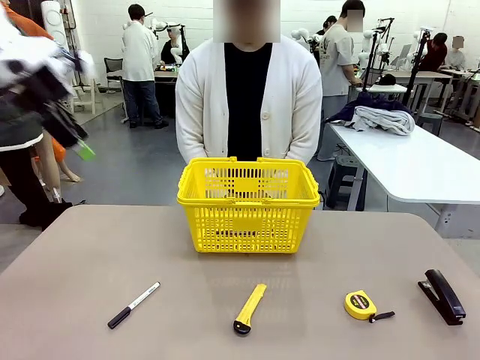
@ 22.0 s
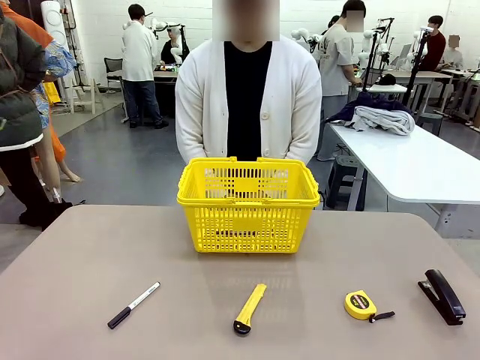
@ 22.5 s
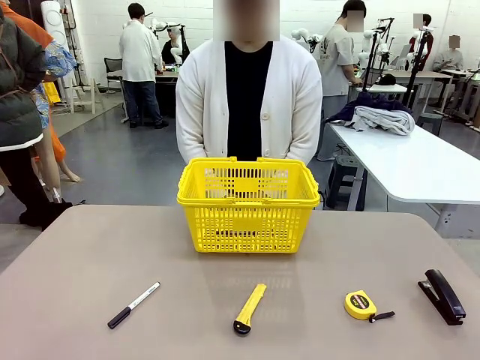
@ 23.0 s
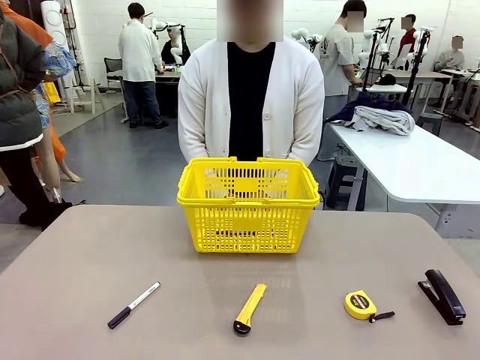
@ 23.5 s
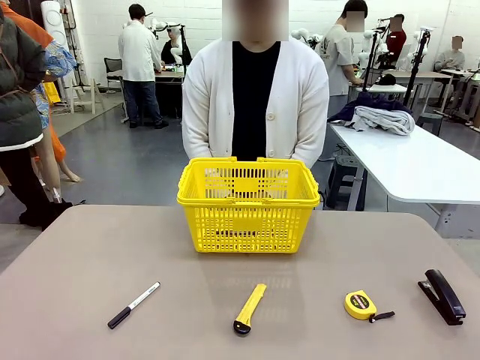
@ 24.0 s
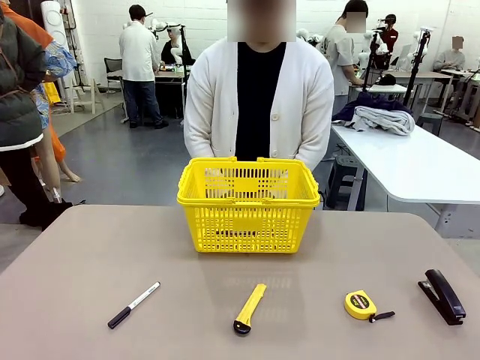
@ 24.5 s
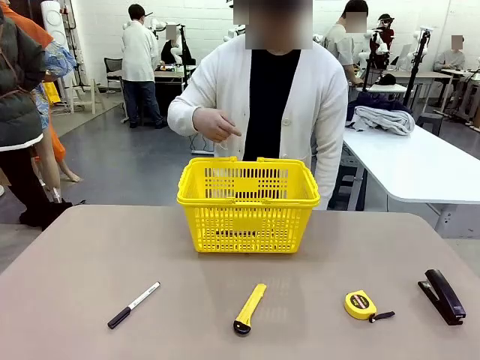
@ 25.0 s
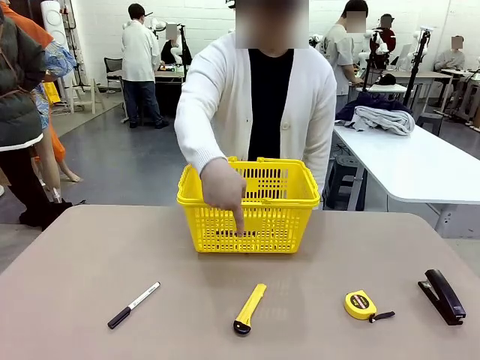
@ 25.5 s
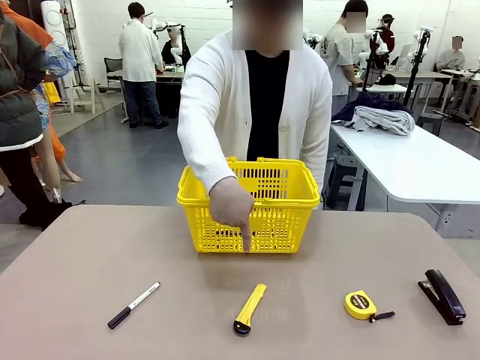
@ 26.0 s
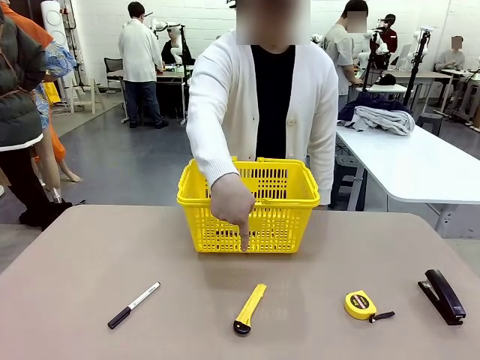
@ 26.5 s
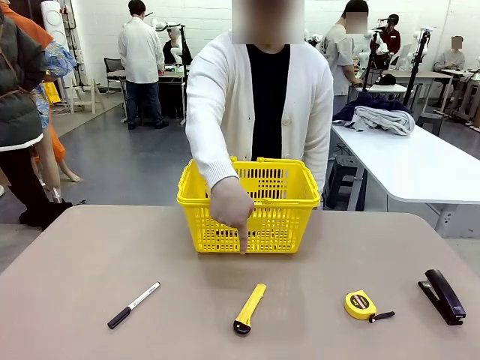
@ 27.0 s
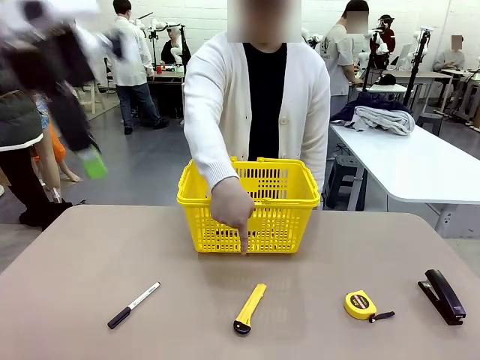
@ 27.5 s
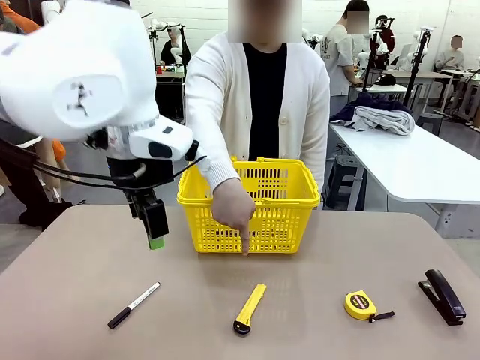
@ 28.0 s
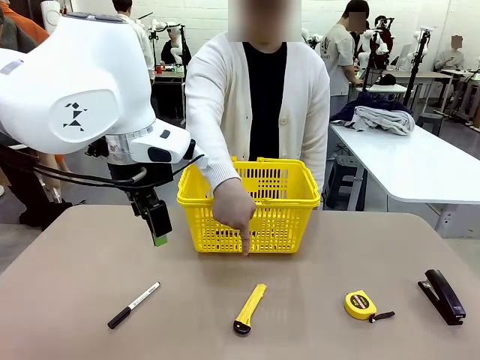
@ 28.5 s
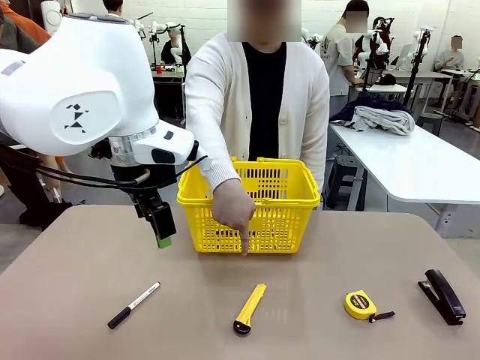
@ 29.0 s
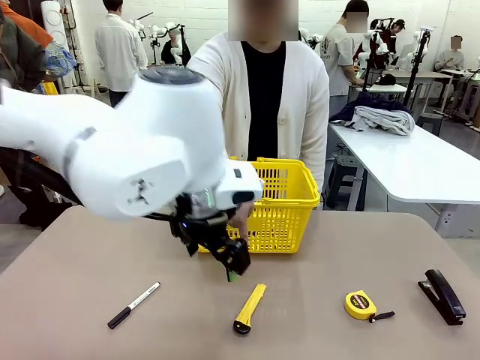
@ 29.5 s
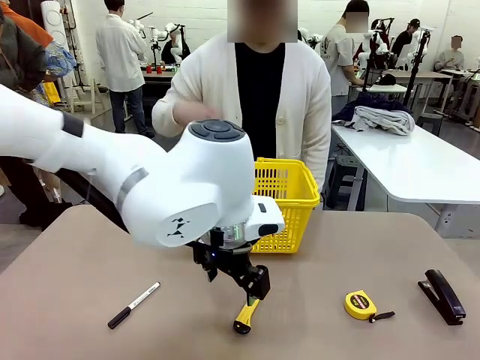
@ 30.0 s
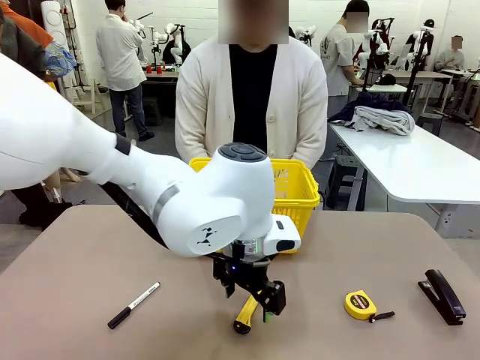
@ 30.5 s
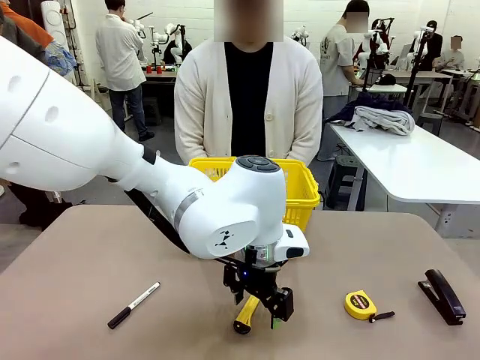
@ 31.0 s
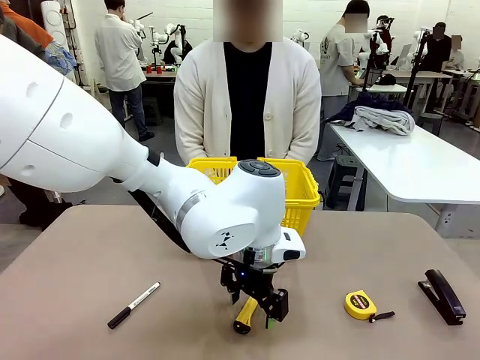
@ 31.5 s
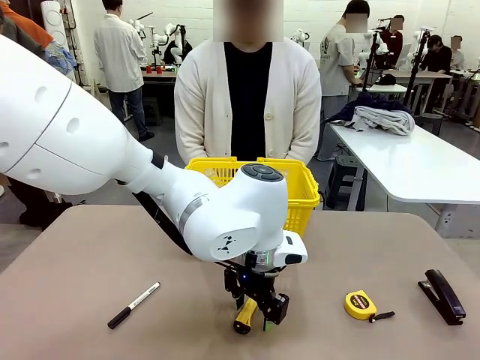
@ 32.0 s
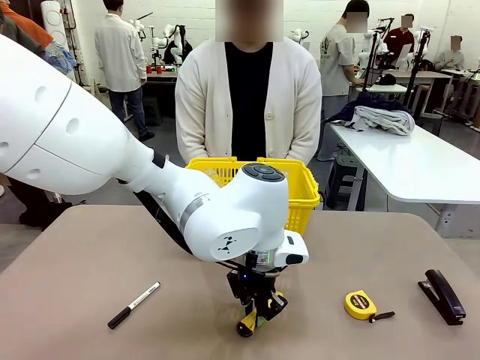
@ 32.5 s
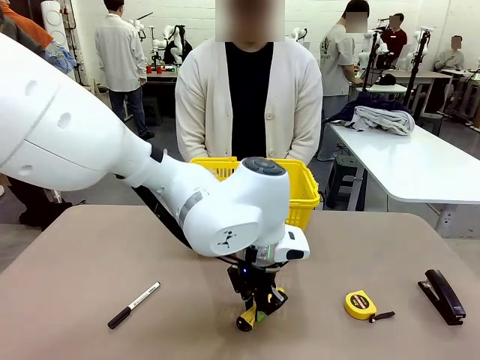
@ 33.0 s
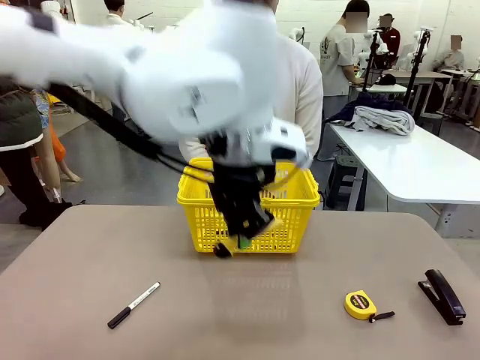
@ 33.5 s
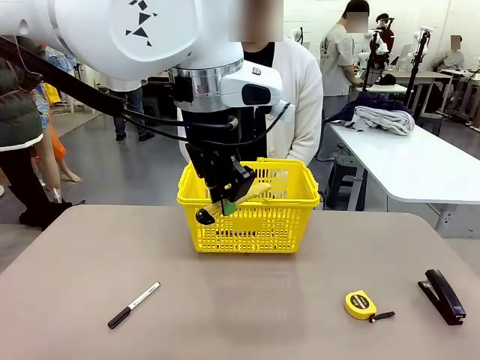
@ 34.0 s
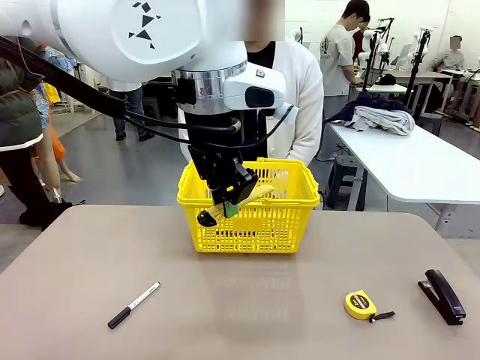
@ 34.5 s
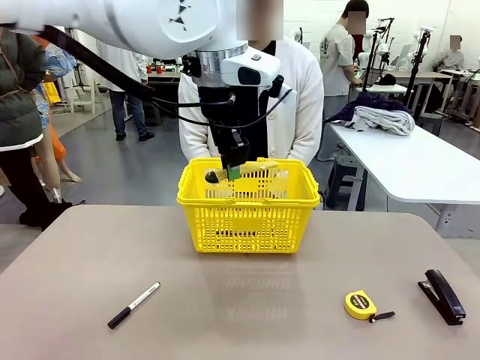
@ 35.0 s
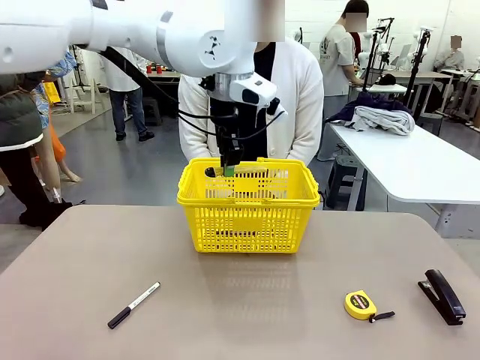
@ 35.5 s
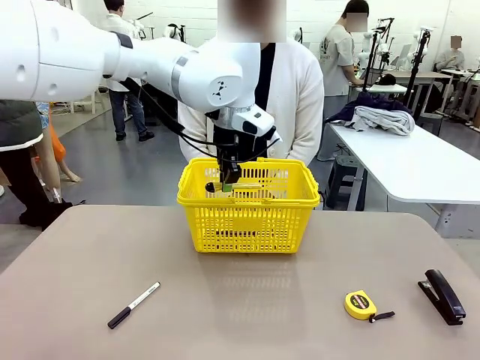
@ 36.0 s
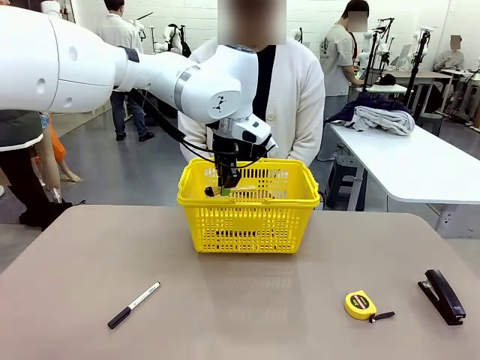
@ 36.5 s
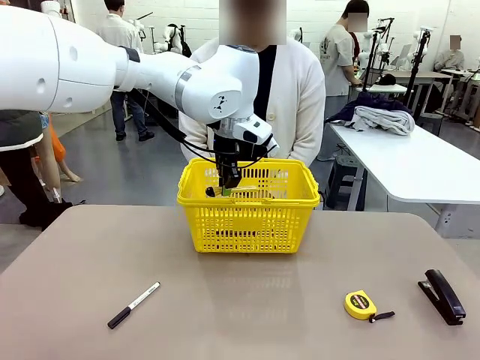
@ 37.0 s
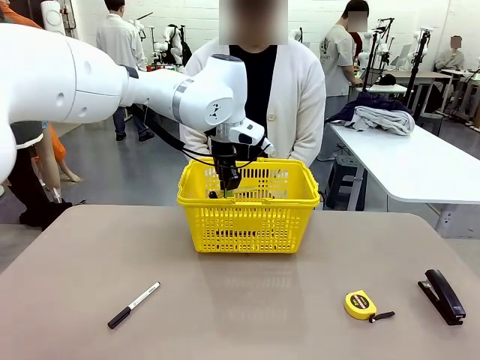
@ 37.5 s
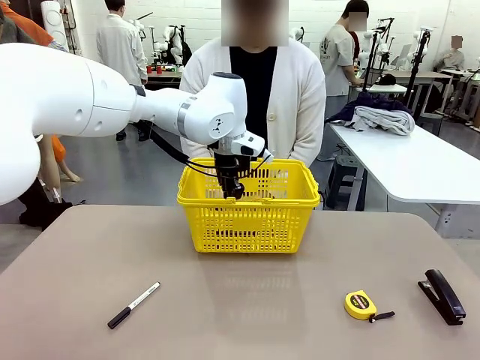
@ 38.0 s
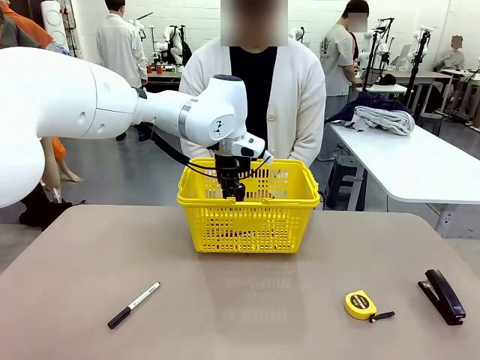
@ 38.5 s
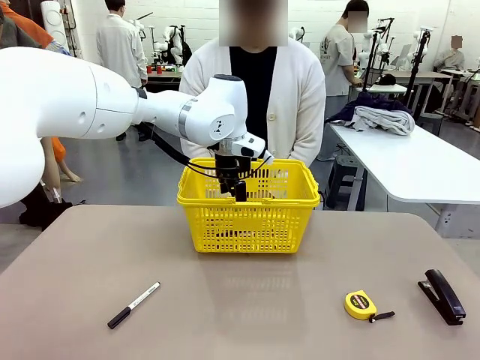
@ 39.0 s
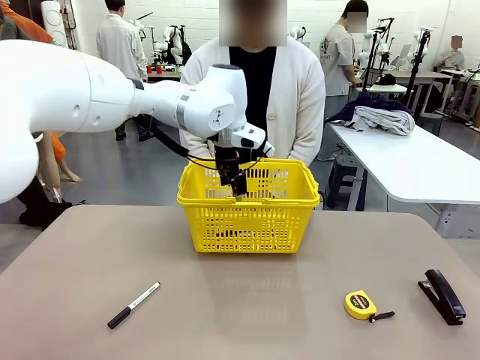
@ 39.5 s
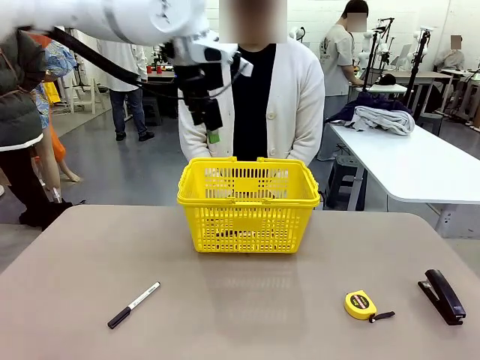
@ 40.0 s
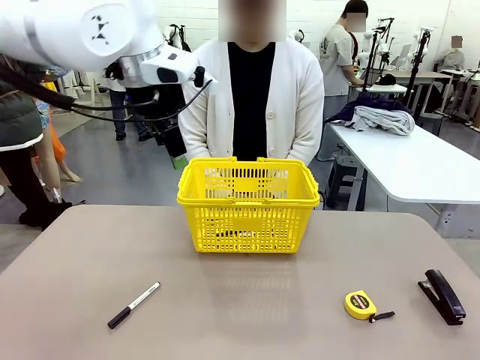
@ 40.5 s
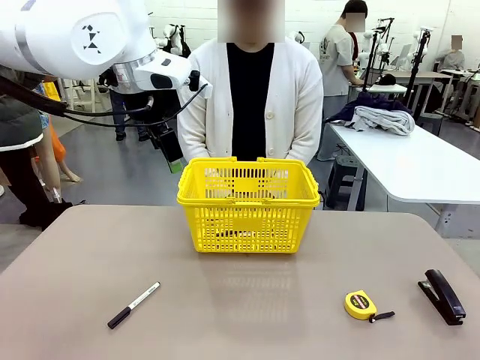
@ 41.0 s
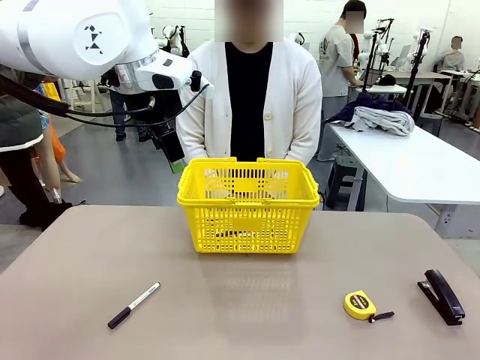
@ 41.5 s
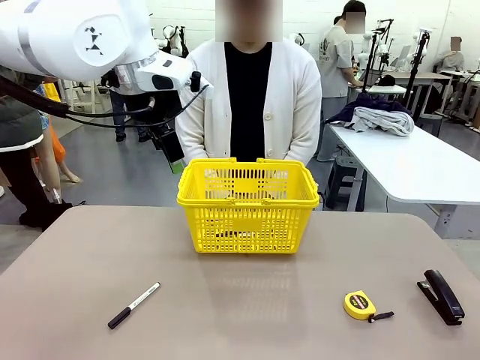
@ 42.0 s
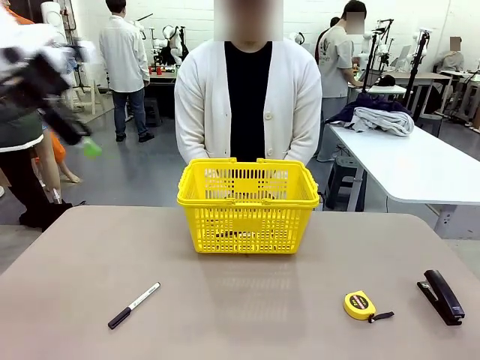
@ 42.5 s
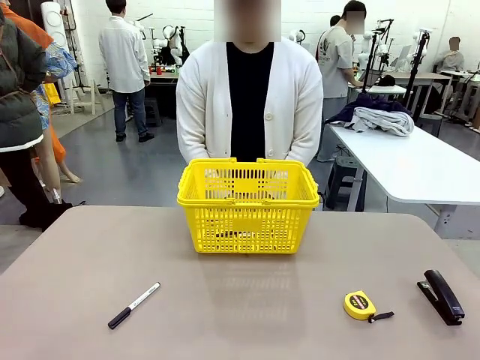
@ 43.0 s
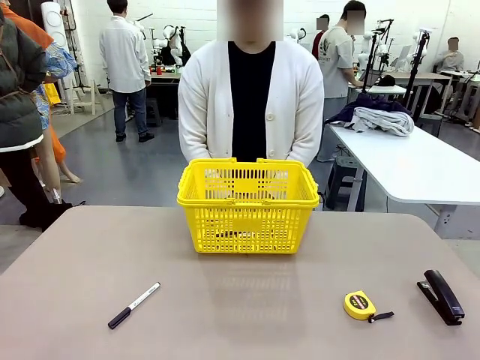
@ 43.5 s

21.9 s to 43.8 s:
Task: Place the items the person wants into the basket.
Robot: Pick up the item the person points to and place it in the Market Basket.
